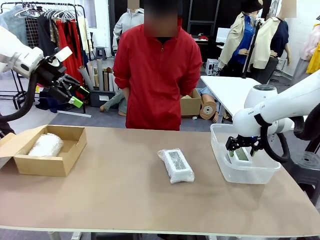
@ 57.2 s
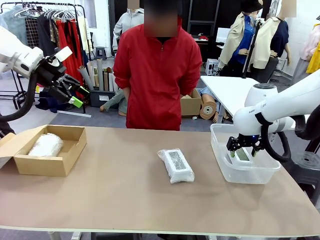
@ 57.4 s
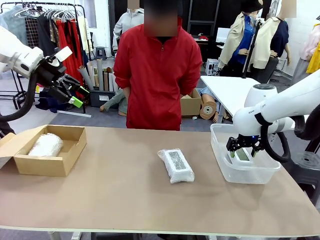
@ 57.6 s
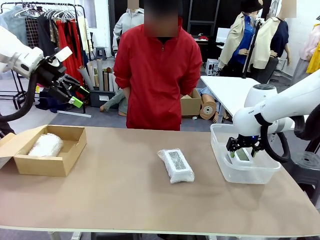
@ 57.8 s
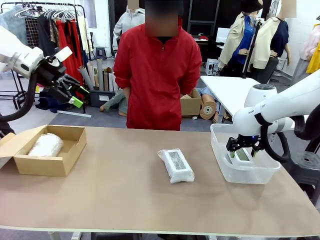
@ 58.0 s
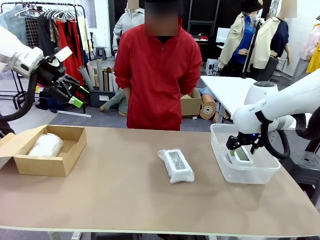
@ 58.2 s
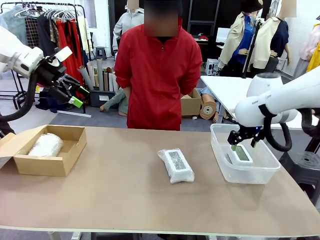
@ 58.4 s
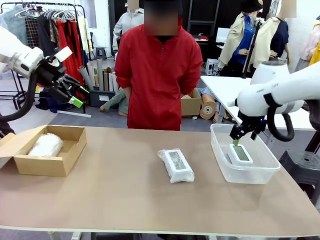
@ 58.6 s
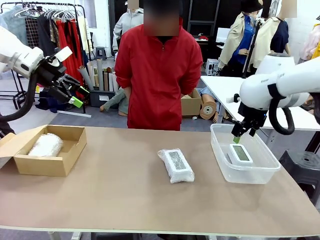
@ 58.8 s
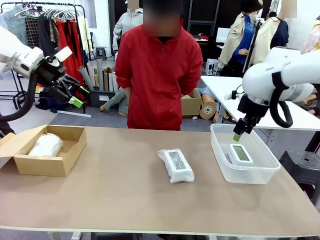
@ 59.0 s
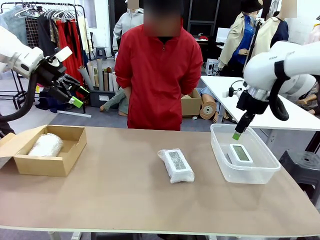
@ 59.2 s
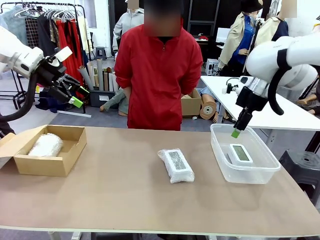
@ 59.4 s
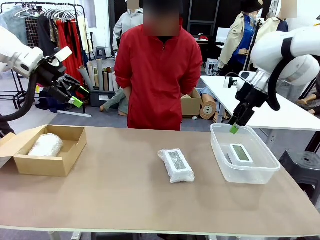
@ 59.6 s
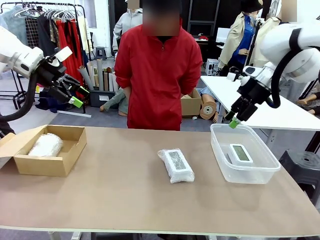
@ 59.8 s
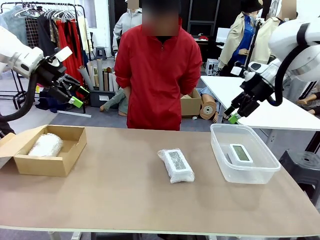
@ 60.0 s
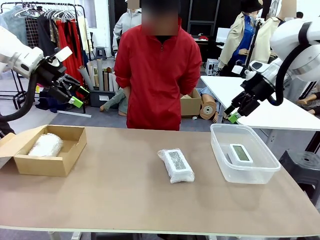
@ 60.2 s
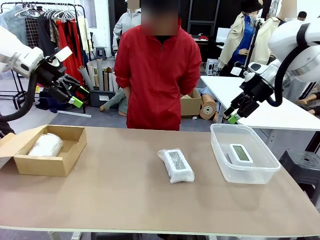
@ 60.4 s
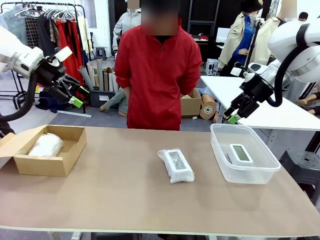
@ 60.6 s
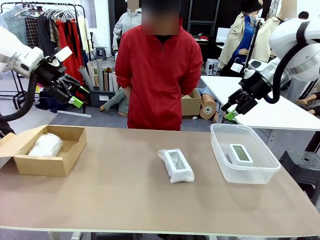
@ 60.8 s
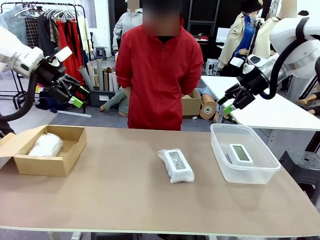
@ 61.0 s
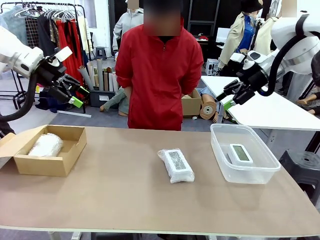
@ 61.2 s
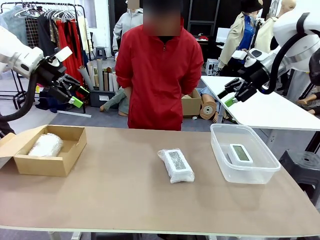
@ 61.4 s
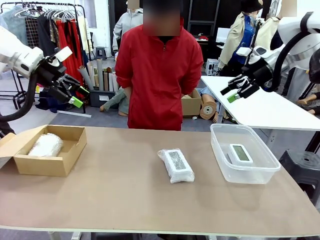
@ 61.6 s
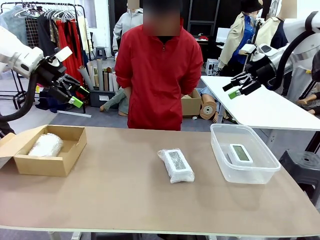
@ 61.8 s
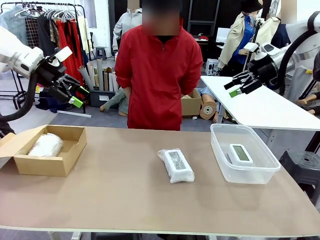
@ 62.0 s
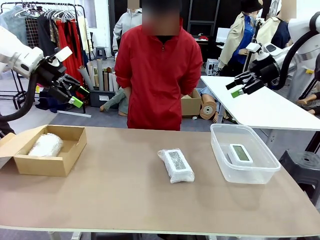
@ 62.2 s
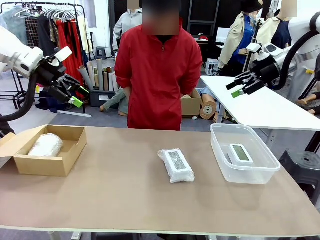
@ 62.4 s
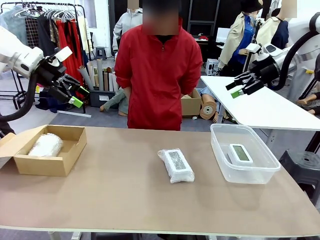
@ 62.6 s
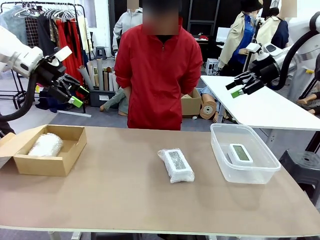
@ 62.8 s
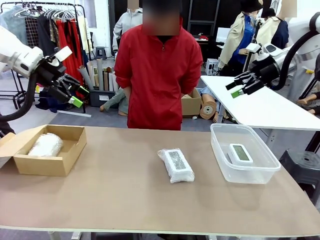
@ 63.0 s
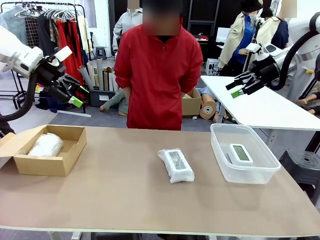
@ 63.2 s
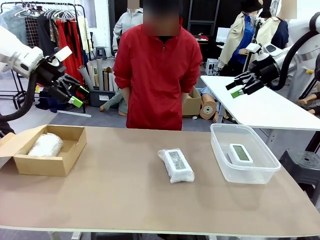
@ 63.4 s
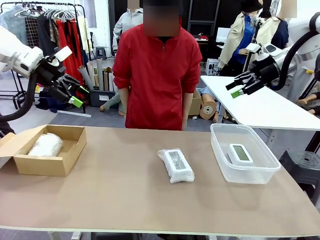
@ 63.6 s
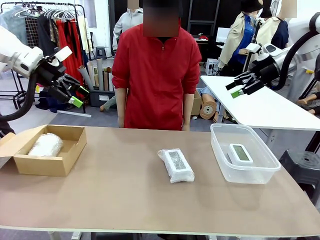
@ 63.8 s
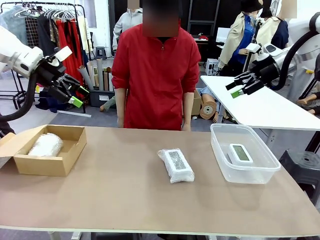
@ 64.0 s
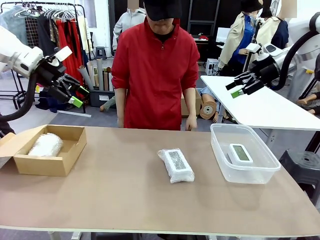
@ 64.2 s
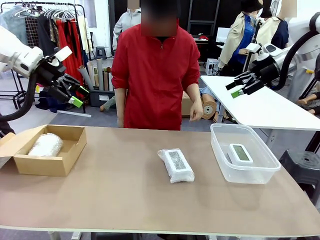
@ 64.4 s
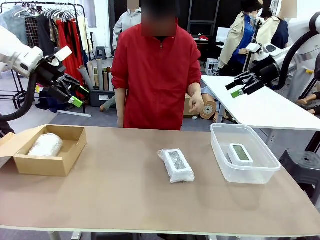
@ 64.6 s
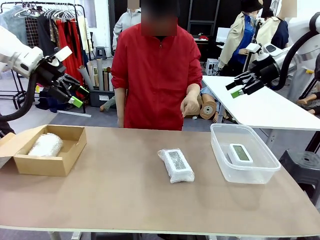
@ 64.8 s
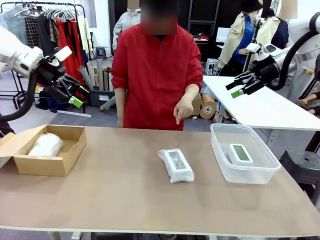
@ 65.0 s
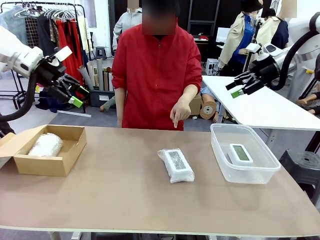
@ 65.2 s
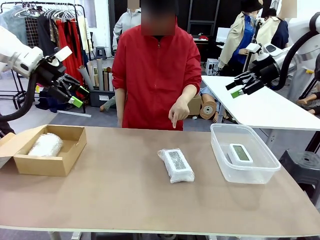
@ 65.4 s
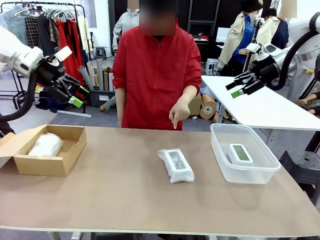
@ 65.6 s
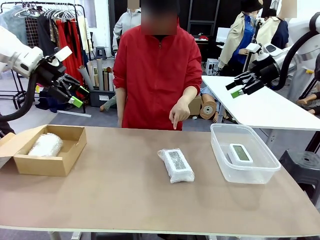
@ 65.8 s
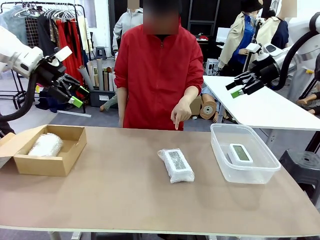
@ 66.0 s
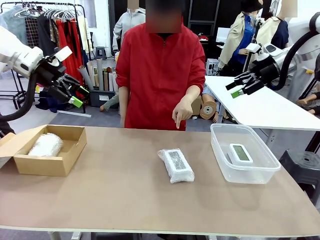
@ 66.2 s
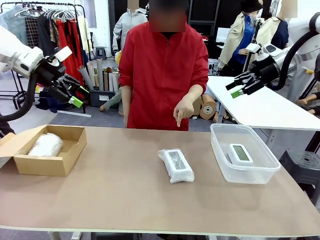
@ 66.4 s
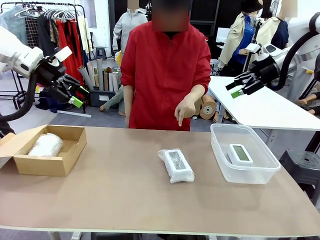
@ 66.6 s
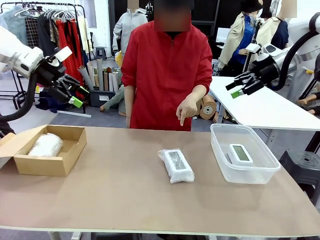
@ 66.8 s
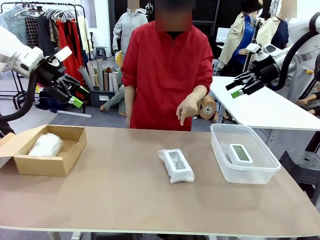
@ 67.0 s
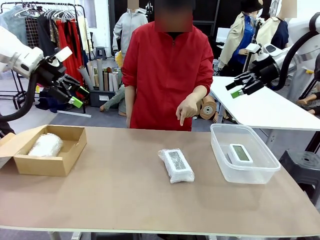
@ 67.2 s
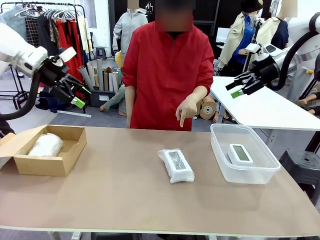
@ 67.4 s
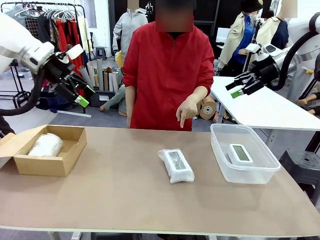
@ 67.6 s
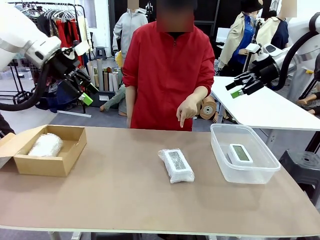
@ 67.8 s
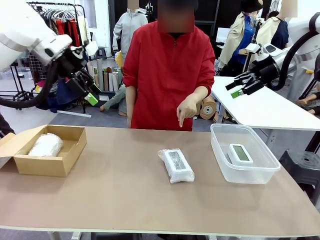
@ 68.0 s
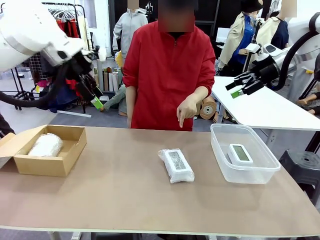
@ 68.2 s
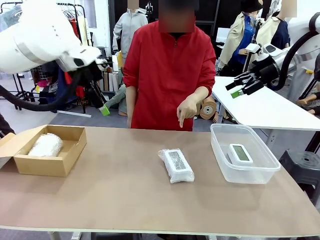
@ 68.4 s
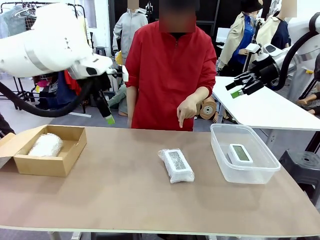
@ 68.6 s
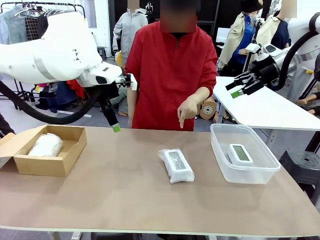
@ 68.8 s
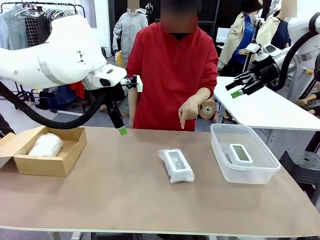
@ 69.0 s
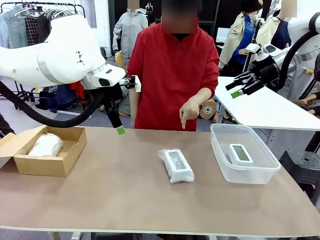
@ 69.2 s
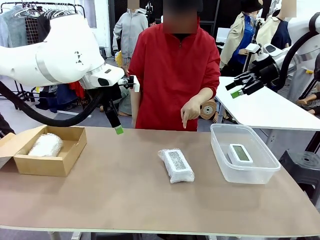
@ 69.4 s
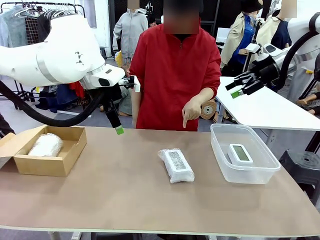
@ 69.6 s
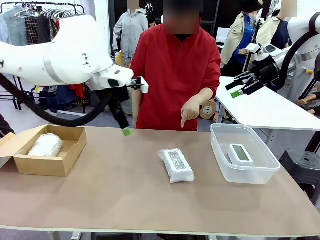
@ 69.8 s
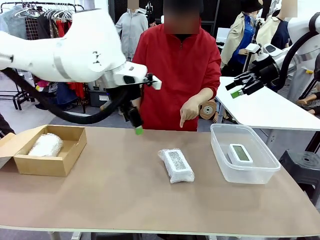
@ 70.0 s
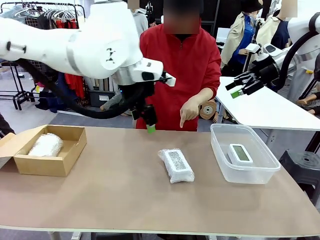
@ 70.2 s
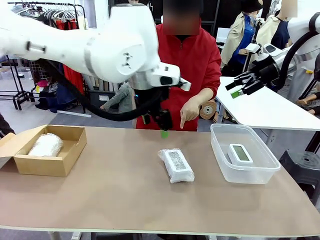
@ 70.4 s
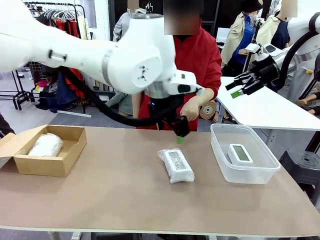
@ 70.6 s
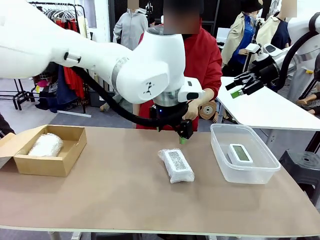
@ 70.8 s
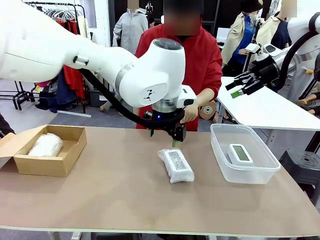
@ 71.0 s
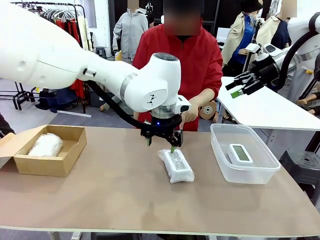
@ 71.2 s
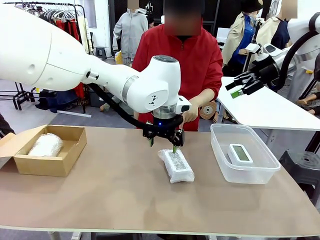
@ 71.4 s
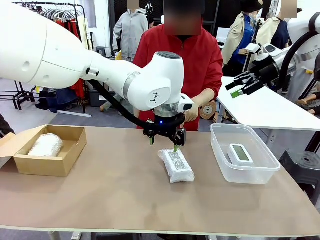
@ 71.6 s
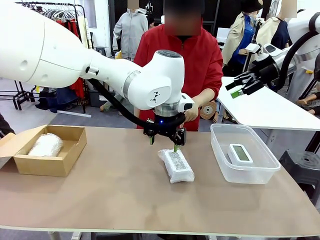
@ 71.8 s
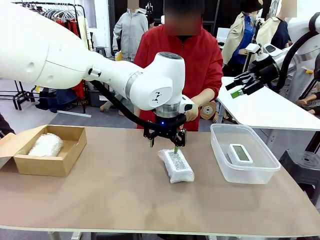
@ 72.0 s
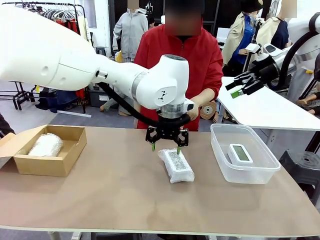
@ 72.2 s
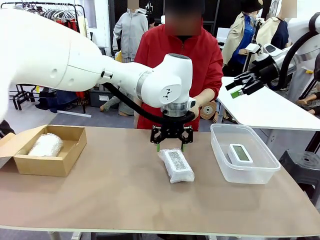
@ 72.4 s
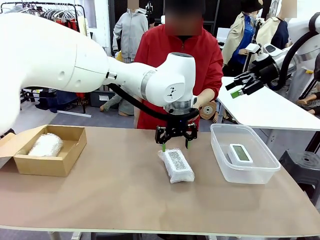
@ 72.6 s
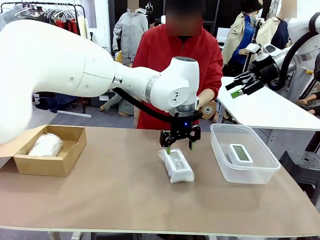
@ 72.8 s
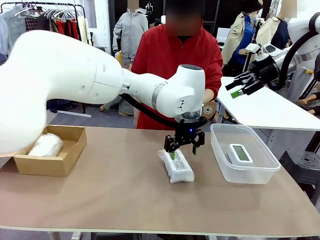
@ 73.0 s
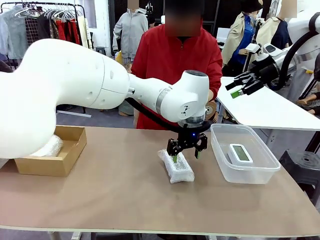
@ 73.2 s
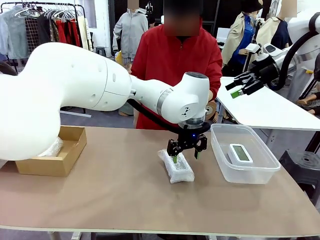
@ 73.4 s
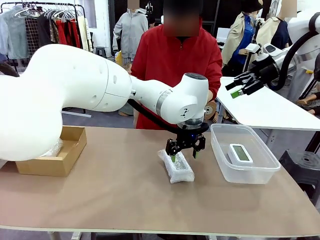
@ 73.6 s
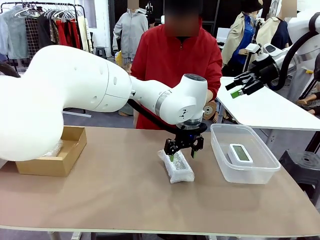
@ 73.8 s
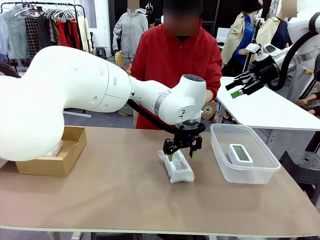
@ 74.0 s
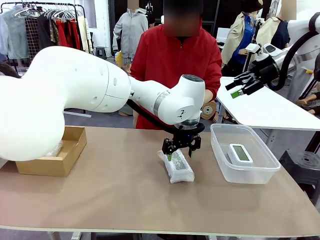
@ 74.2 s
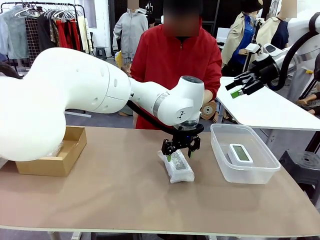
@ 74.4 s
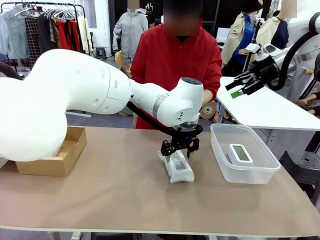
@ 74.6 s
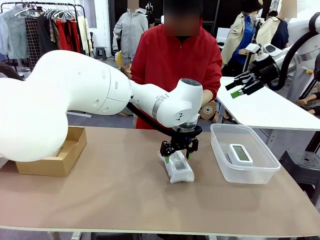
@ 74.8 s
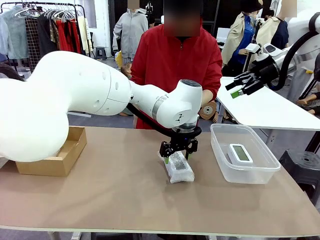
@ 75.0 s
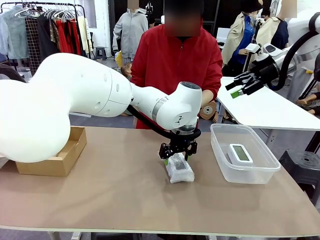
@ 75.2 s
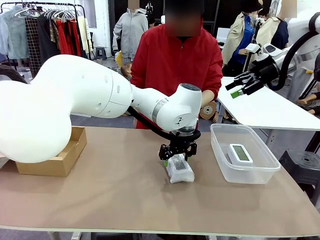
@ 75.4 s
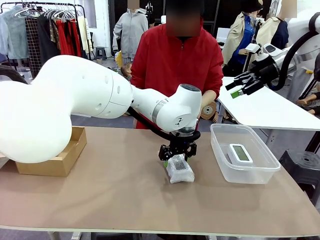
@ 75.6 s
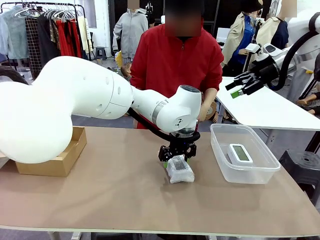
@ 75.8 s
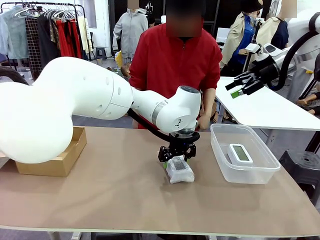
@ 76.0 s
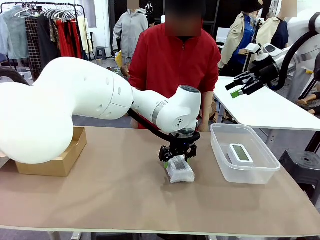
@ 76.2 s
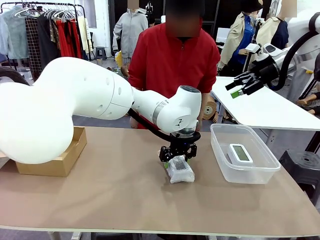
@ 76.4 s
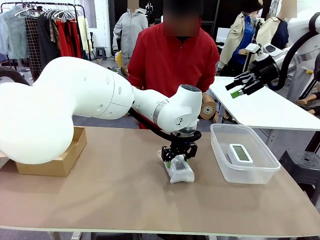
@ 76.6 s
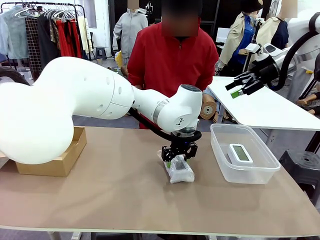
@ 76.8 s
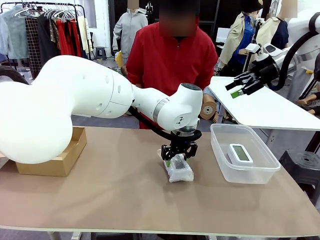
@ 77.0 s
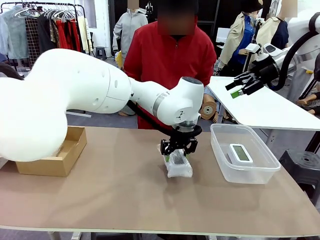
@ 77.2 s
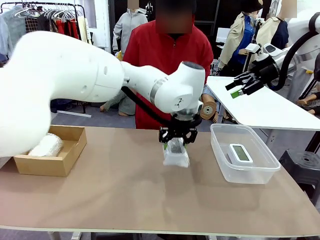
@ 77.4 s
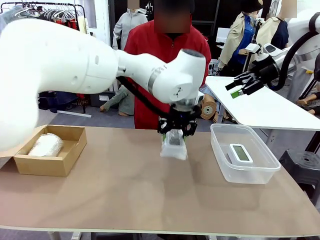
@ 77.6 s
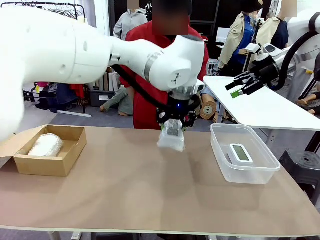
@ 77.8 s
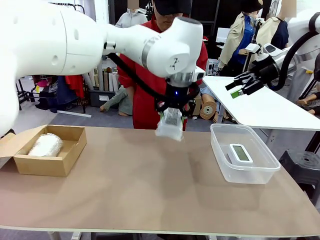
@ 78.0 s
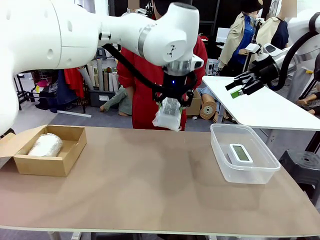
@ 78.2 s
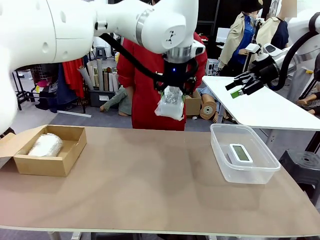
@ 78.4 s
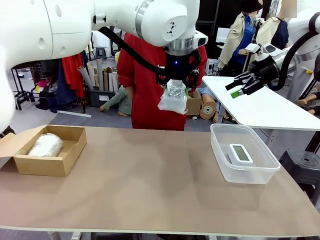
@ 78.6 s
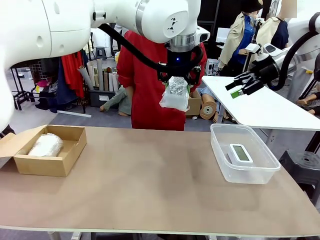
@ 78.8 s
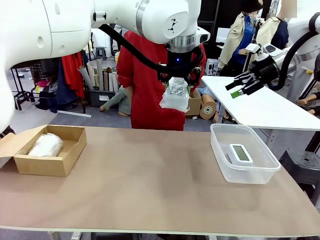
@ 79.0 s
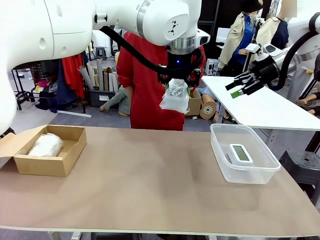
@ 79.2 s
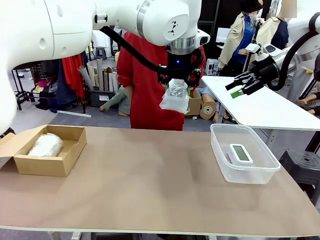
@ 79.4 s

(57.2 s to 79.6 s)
Task: Separate and place wrapped and unwrapped clocks.
Robot: Pick up the Digital clock indicated by the person.
